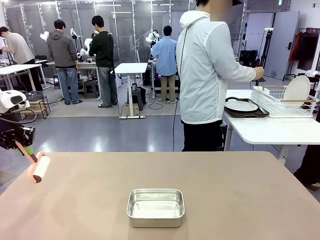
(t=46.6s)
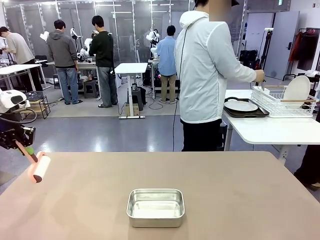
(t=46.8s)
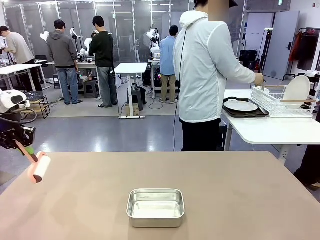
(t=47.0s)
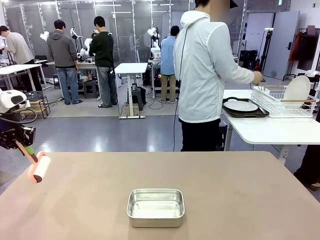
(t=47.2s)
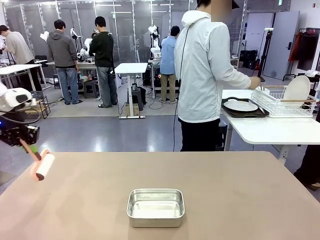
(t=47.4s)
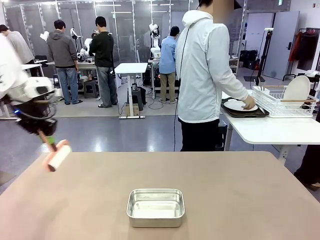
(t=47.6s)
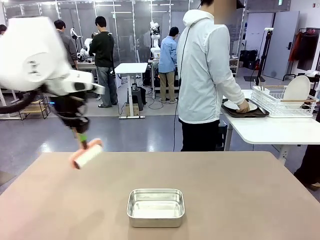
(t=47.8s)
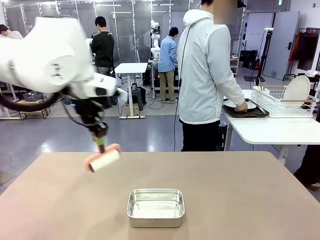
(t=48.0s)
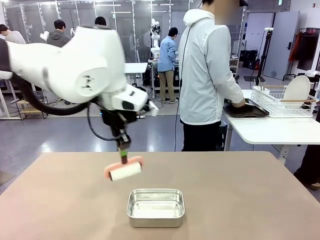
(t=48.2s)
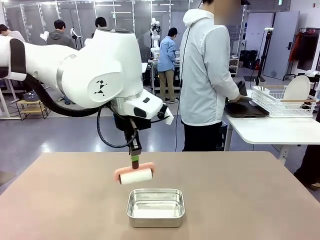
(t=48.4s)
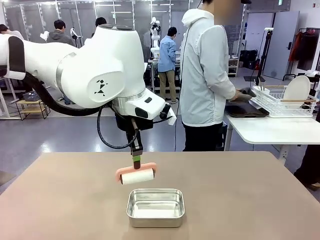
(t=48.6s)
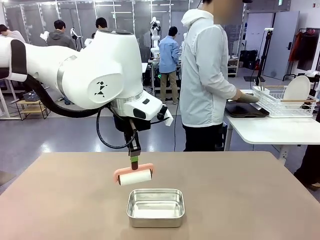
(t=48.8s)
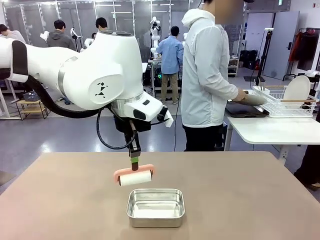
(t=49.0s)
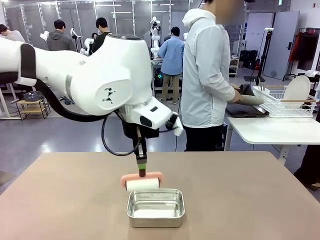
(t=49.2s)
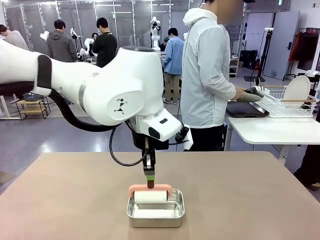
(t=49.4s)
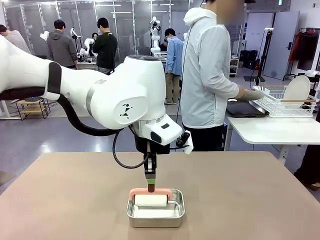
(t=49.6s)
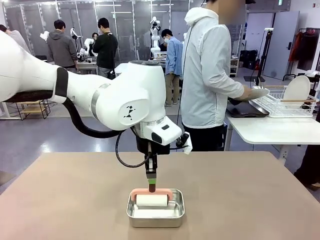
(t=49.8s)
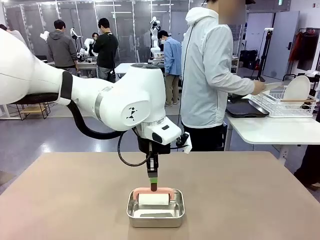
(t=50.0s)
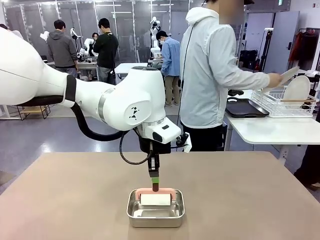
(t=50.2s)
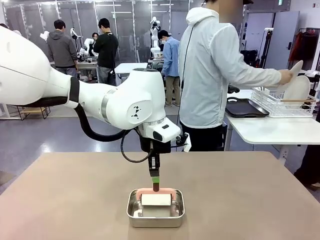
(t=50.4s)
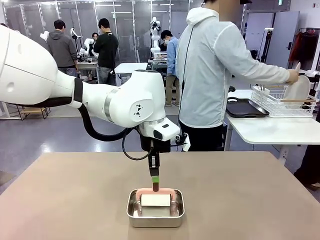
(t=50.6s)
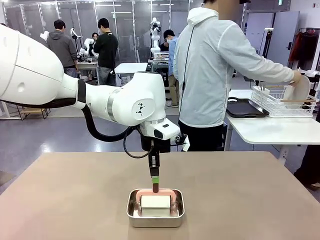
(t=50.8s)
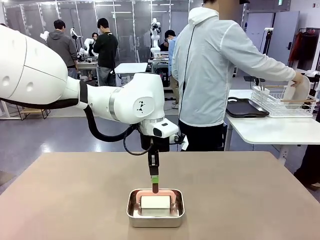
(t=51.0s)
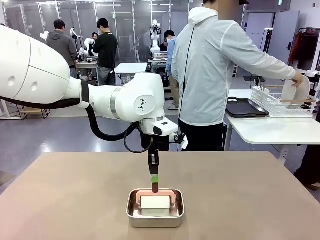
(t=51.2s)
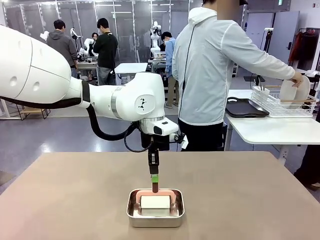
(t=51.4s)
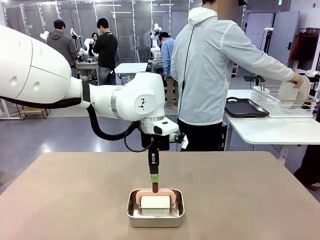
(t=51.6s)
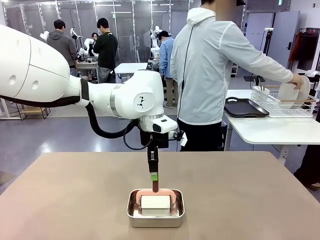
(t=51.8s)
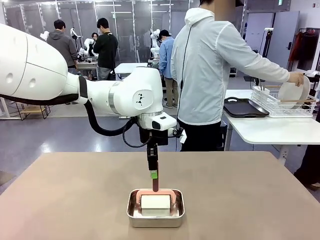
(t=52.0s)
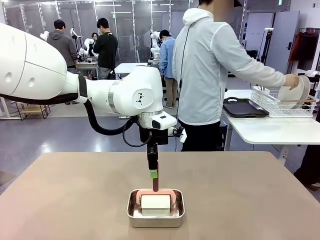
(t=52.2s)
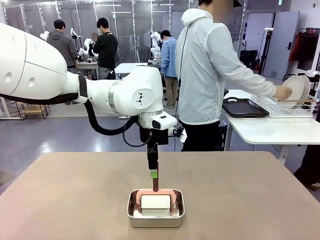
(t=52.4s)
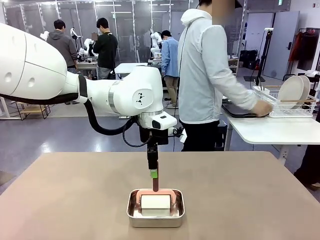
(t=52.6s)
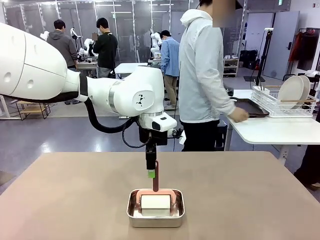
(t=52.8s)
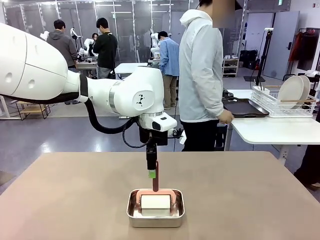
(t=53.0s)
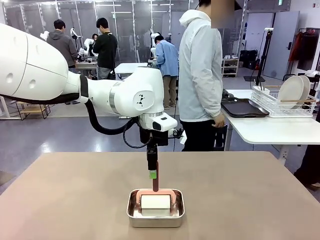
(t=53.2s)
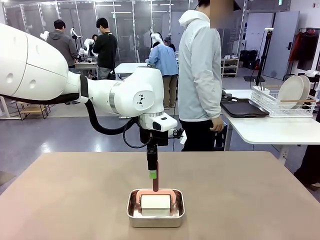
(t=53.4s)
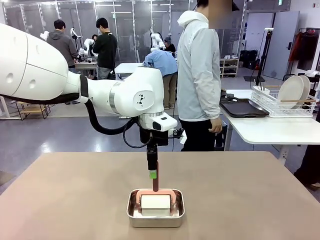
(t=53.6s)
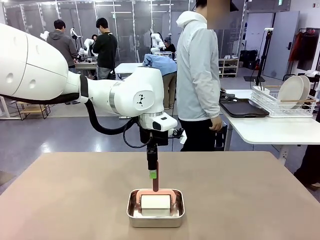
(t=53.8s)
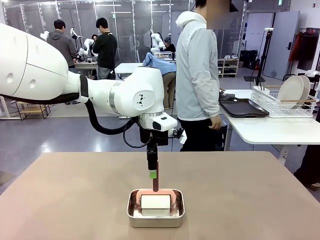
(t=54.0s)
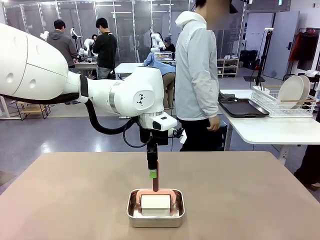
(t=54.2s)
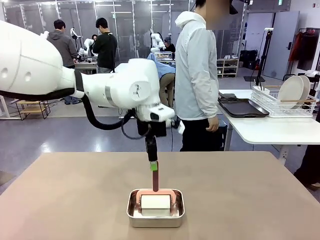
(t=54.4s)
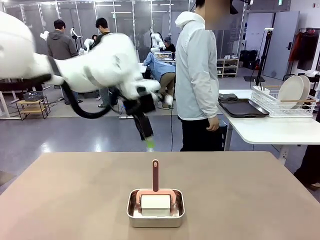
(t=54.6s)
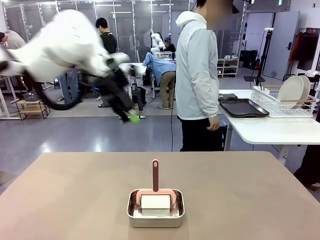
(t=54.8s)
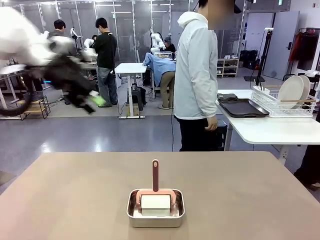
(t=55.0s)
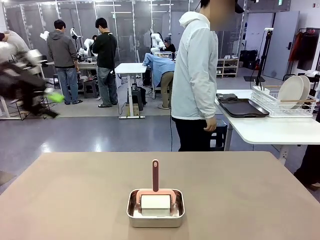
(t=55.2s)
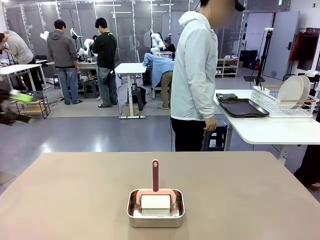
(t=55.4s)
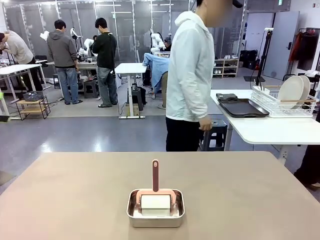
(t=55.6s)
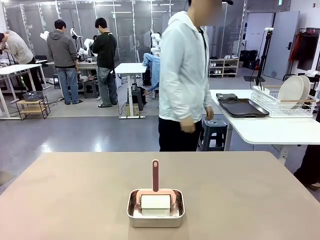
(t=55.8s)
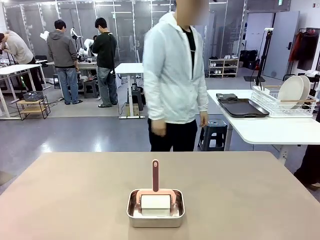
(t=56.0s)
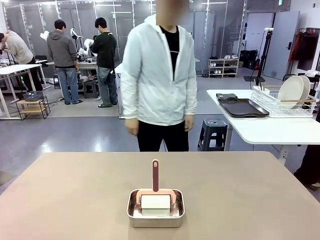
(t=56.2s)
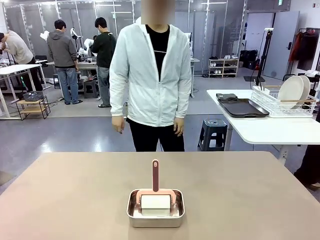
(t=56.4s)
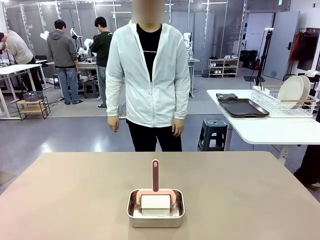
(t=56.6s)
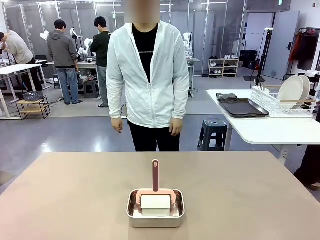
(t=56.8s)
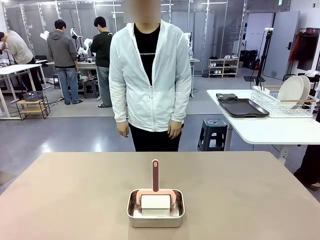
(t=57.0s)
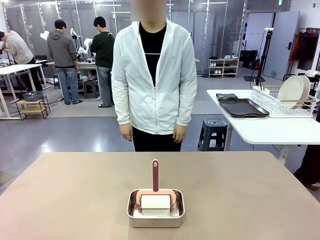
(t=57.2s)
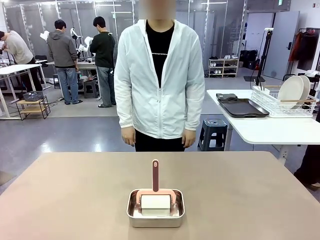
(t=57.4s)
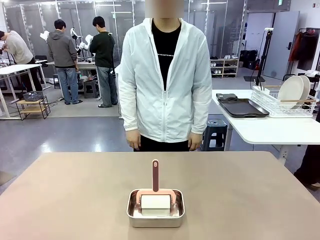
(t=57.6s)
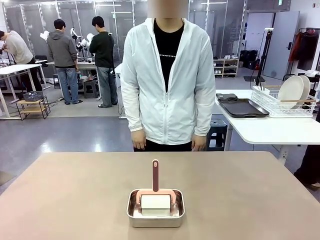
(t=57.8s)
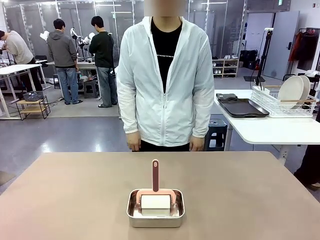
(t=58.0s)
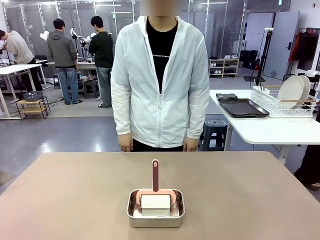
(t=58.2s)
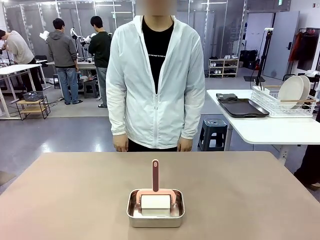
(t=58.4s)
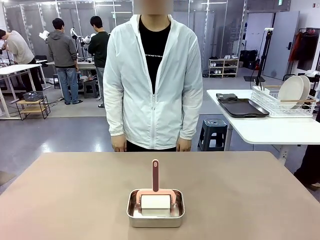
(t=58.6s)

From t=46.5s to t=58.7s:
Robot: Place the Lint Roller back on top of the Airtight Container.
Person: Use the Towel with hook to wipe the Plastic Matte Plate , Fork , and Knife and place into the Dish drying rack.
